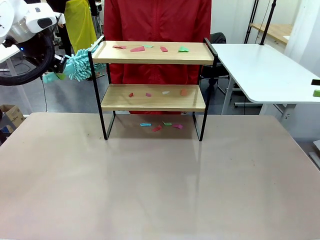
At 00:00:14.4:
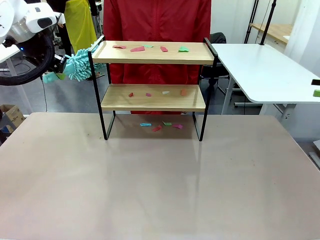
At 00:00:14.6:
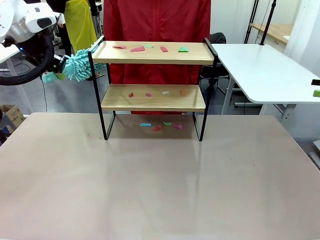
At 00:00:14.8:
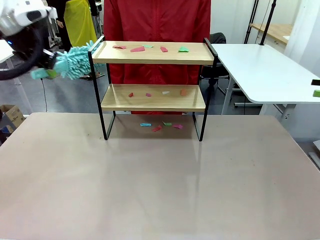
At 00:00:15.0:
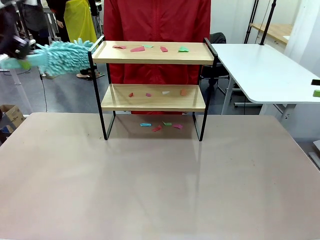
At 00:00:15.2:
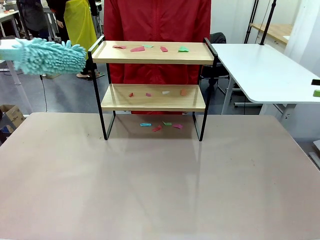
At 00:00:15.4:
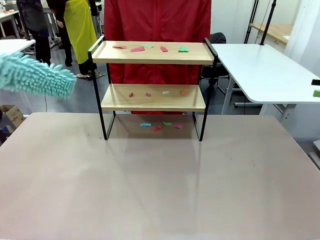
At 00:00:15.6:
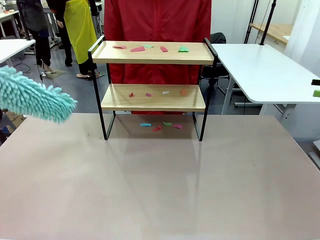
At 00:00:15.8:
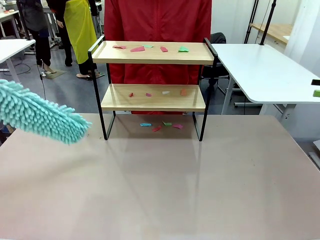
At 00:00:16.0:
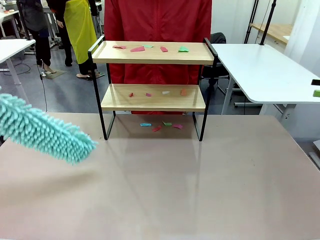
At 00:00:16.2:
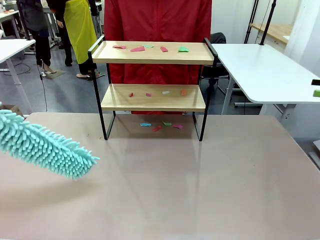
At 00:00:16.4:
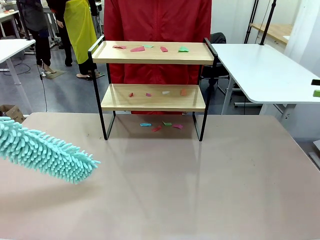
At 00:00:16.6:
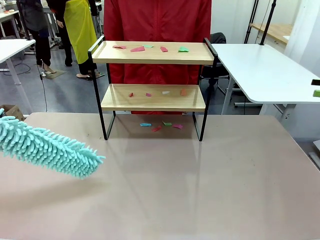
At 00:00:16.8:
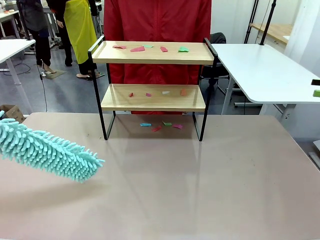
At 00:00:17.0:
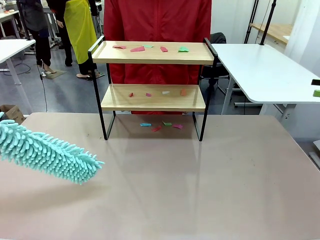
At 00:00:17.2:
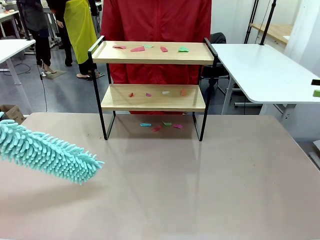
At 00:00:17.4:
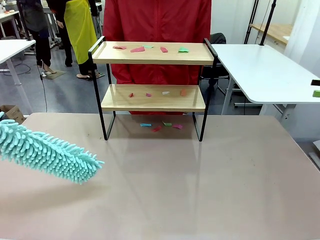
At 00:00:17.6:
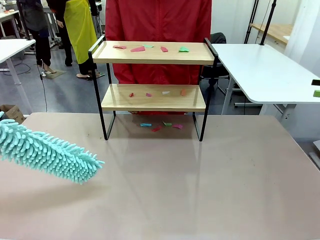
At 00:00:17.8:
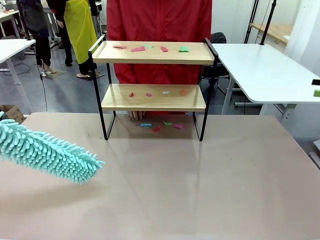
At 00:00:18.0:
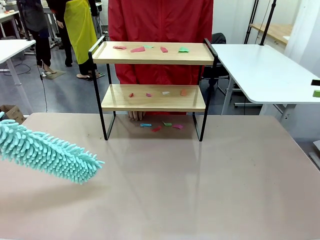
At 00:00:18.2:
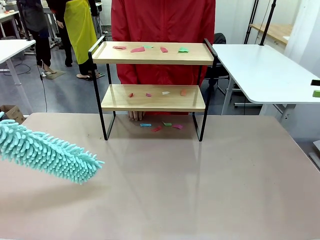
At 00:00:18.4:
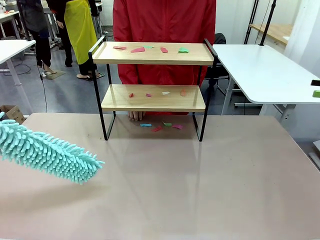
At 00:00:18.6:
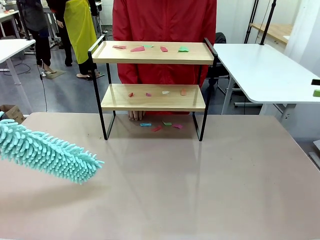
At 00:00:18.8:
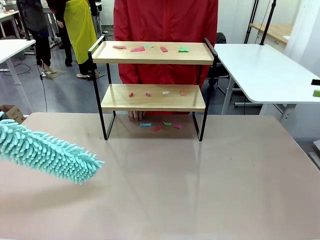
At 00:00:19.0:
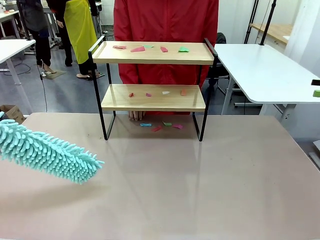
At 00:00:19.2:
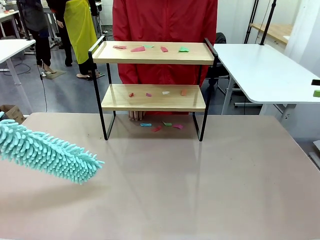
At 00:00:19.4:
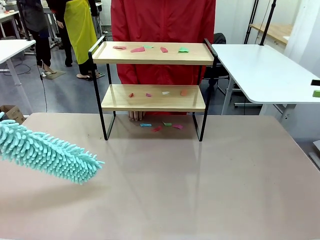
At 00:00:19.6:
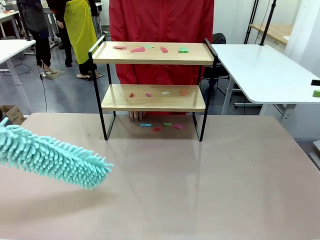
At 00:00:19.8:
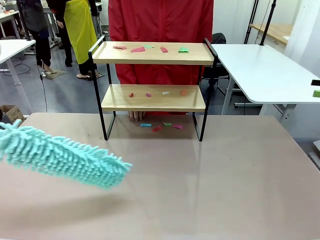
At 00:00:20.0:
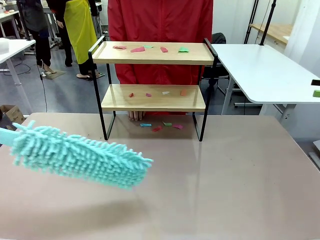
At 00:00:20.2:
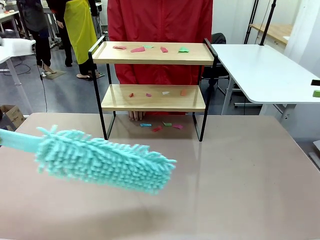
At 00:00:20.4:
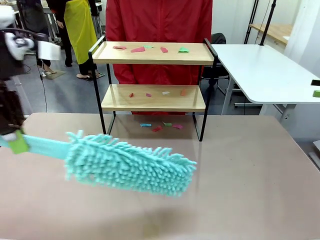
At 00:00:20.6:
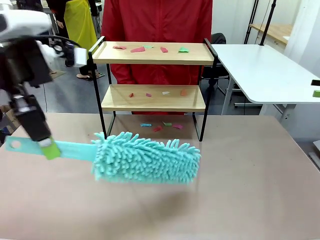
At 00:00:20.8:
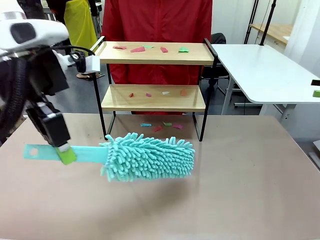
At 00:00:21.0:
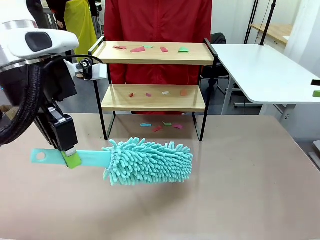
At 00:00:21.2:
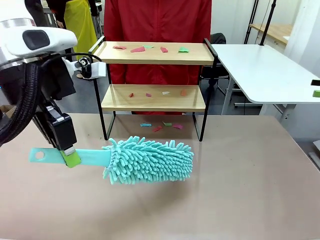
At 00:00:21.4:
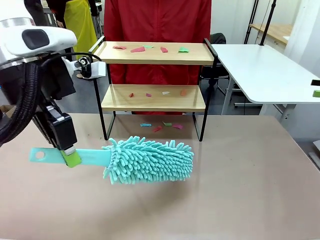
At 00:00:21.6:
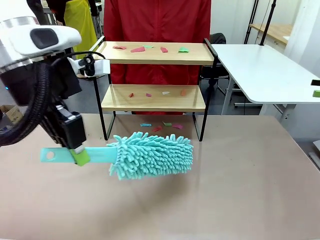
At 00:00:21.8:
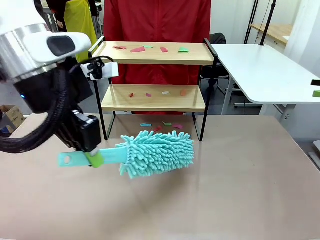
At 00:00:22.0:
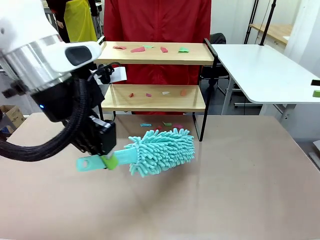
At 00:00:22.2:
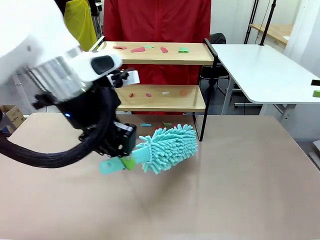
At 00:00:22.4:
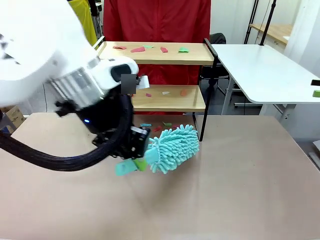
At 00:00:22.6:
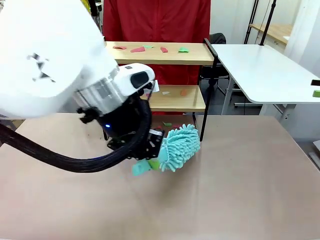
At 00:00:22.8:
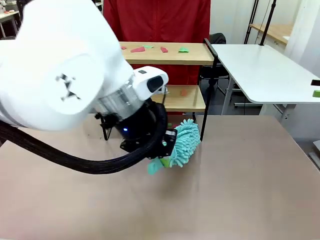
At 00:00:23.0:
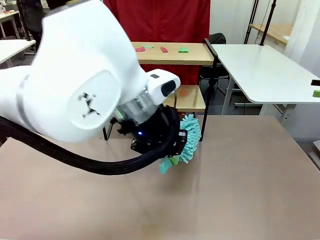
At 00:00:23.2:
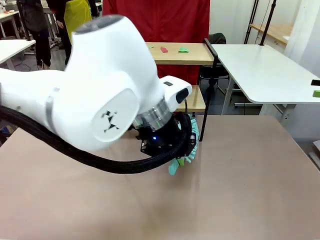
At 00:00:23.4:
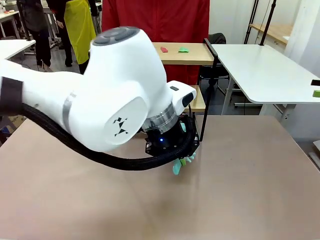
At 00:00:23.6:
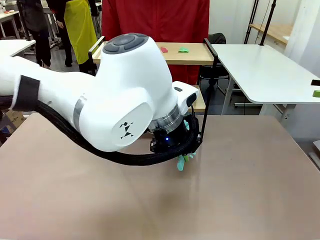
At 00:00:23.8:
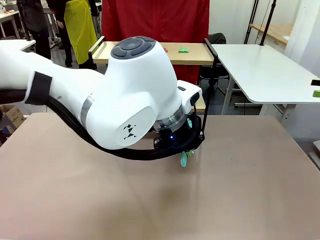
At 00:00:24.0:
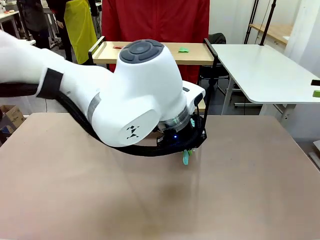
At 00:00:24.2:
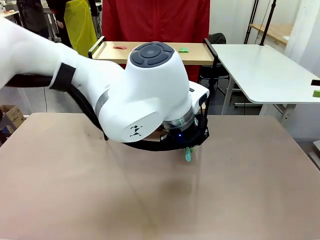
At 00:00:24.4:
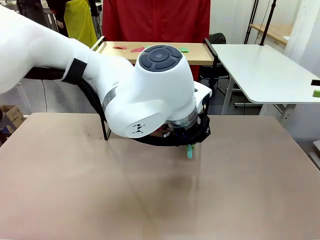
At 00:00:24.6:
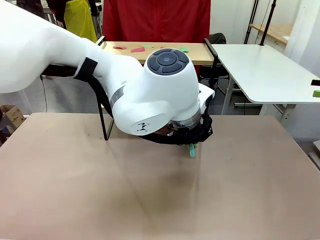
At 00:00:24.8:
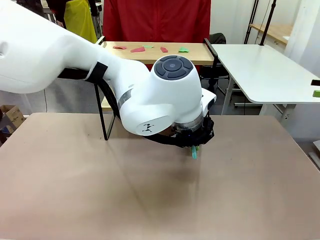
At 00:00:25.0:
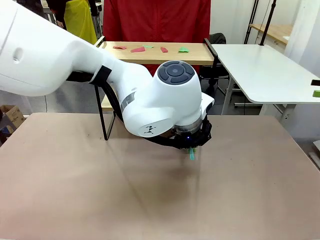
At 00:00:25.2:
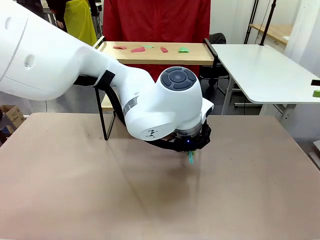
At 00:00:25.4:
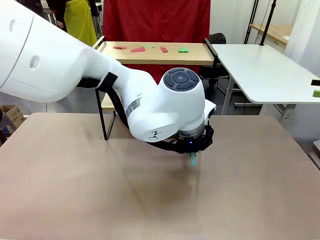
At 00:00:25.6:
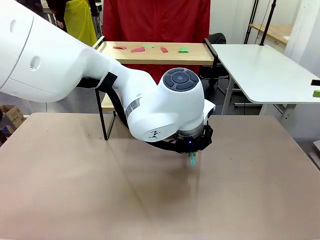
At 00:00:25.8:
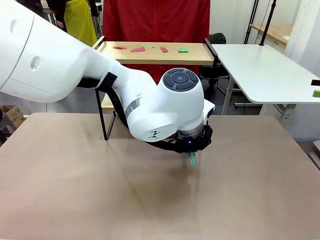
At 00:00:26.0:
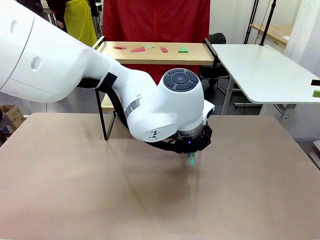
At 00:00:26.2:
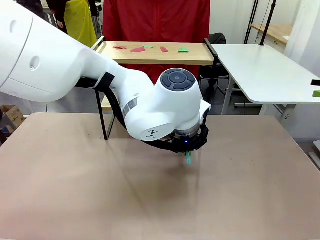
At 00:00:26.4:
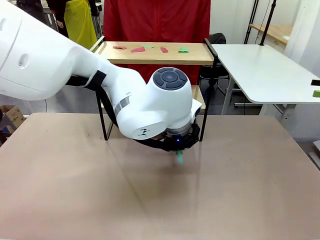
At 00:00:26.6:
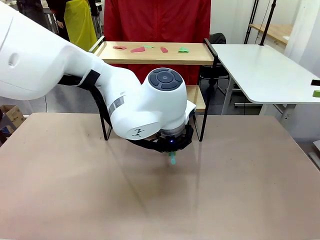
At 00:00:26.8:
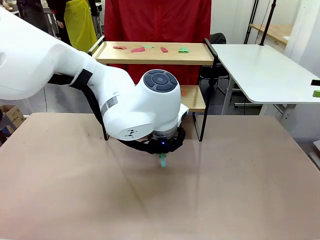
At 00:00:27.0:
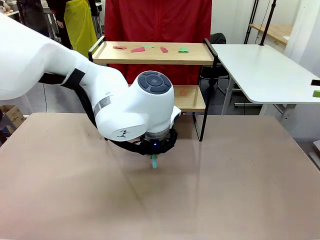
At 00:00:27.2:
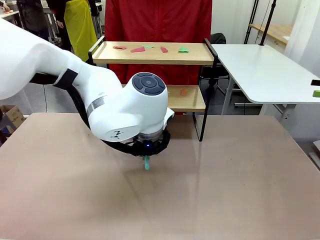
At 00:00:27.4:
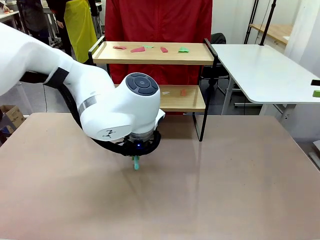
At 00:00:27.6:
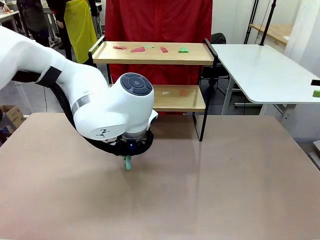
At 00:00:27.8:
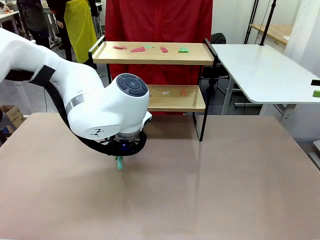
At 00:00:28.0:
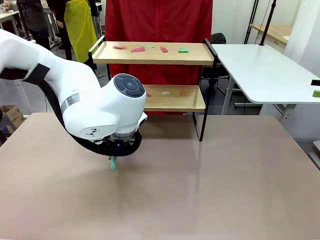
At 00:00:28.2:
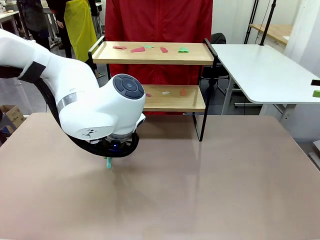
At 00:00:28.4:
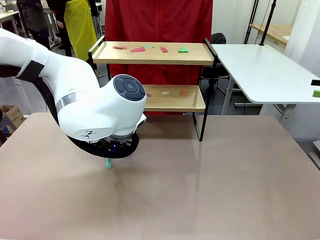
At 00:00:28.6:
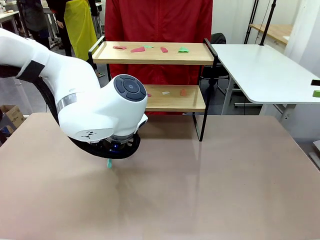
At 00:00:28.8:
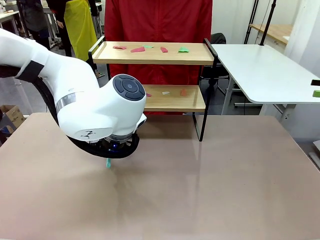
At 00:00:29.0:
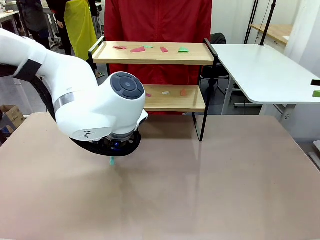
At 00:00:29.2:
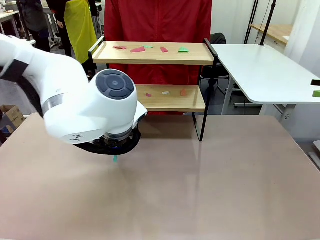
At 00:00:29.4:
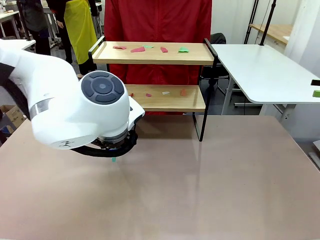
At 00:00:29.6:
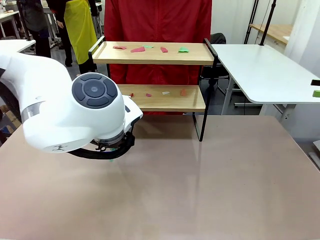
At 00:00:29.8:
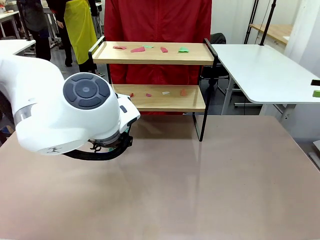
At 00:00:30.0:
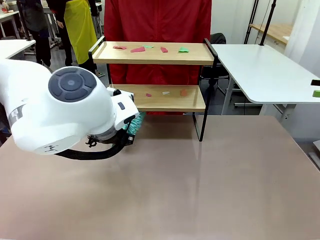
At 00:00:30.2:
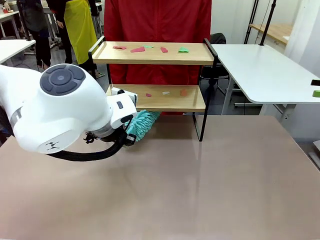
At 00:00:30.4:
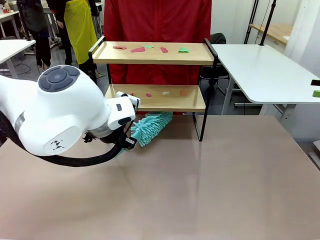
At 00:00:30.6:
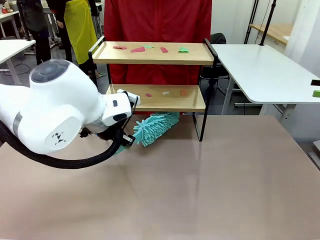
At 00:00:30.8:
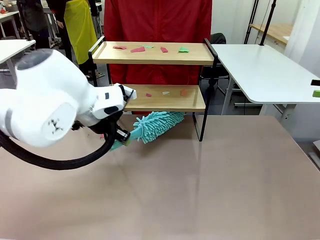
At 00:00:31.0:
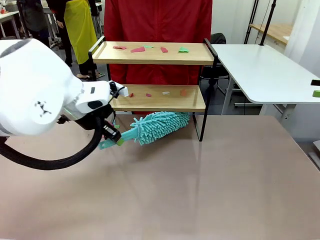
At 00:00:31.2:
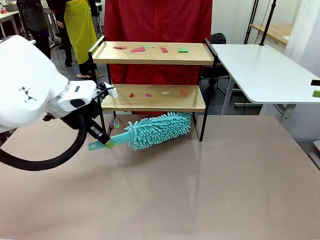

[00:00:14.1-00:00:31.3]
Task: Clean the shelf.
Robot: Clean the specific section of the Shelf indicated by the human with the Duster.
Person: Point a random section of the Shelf.
